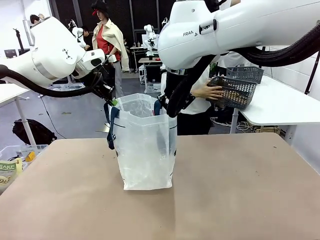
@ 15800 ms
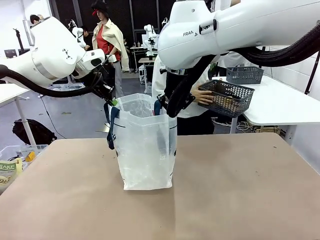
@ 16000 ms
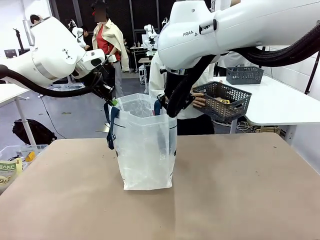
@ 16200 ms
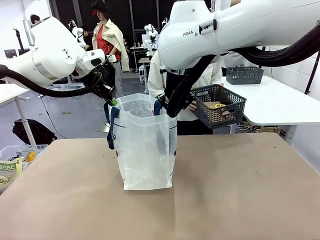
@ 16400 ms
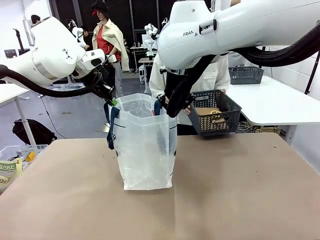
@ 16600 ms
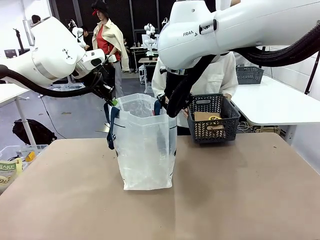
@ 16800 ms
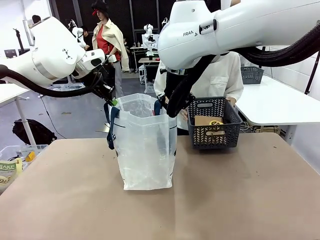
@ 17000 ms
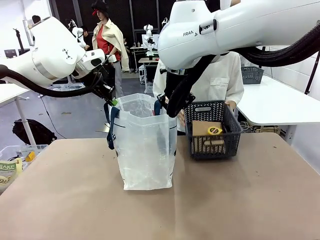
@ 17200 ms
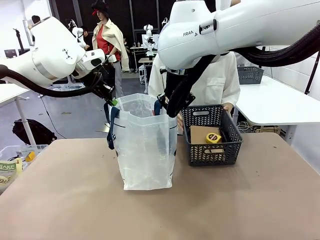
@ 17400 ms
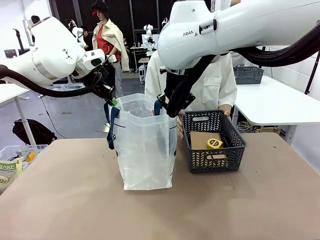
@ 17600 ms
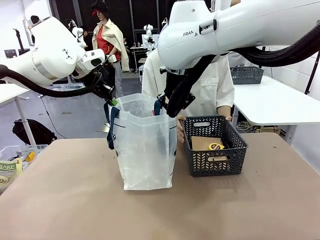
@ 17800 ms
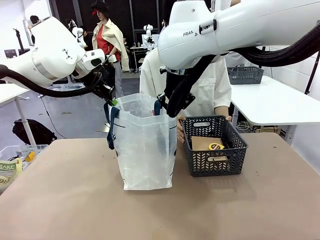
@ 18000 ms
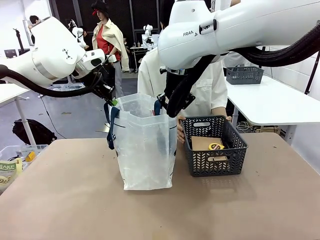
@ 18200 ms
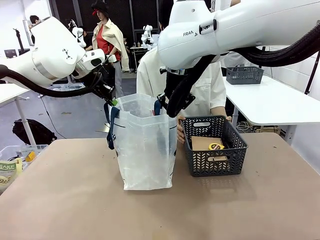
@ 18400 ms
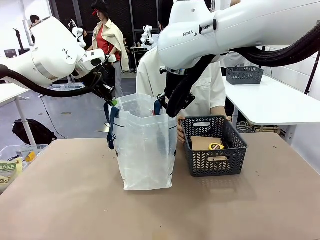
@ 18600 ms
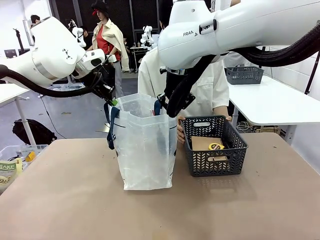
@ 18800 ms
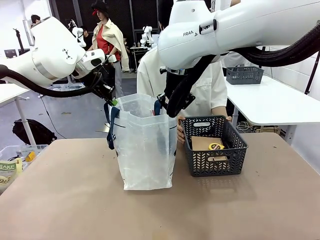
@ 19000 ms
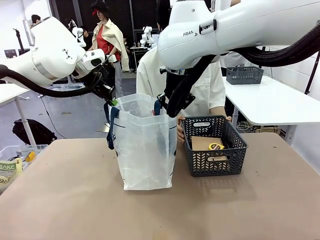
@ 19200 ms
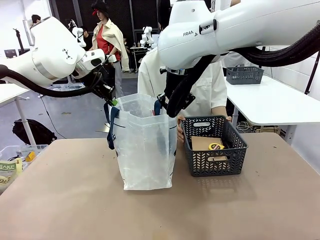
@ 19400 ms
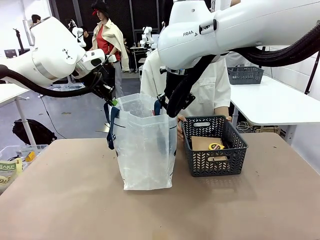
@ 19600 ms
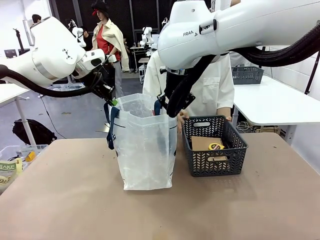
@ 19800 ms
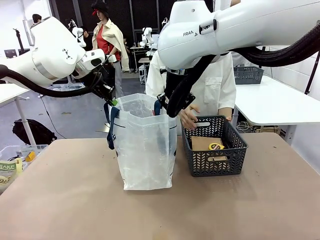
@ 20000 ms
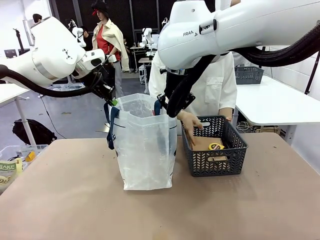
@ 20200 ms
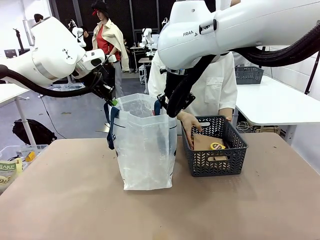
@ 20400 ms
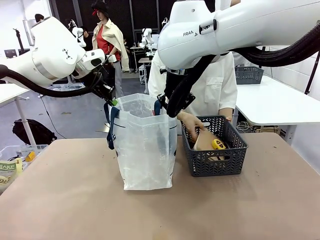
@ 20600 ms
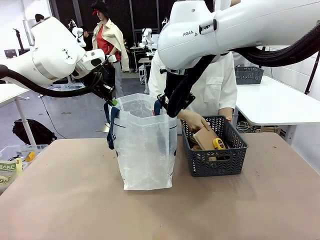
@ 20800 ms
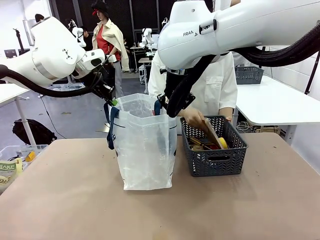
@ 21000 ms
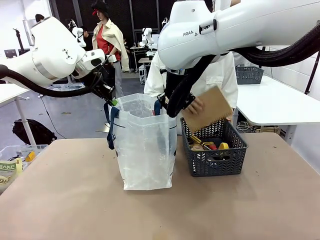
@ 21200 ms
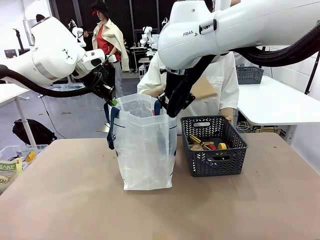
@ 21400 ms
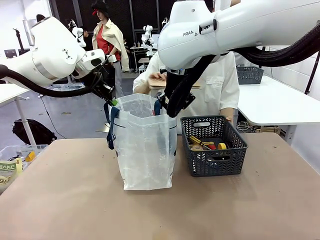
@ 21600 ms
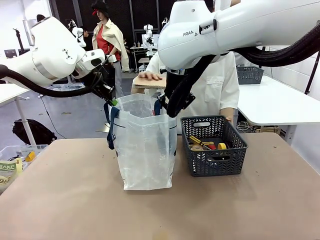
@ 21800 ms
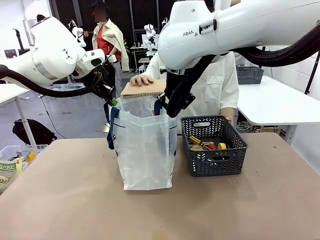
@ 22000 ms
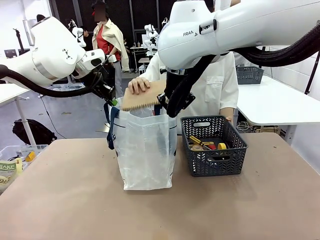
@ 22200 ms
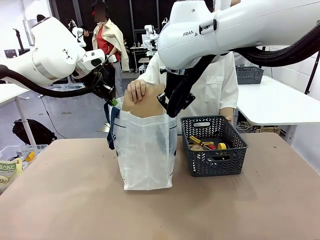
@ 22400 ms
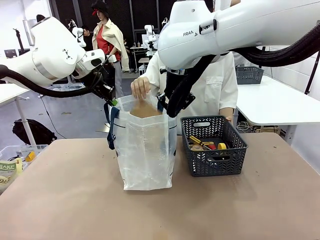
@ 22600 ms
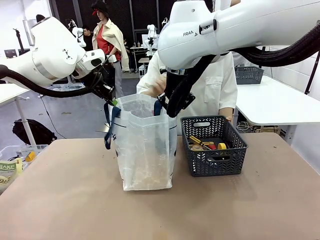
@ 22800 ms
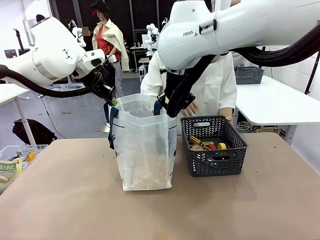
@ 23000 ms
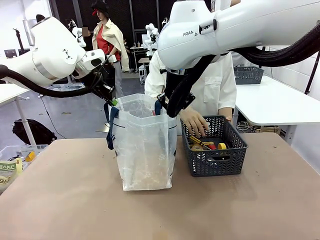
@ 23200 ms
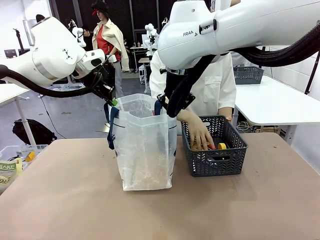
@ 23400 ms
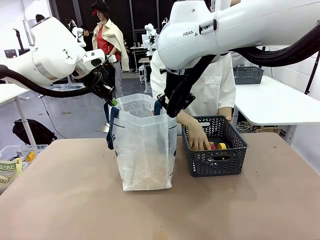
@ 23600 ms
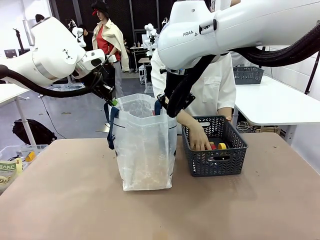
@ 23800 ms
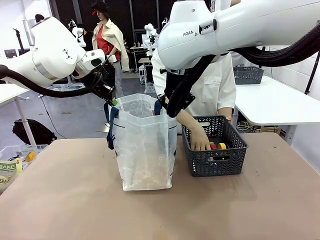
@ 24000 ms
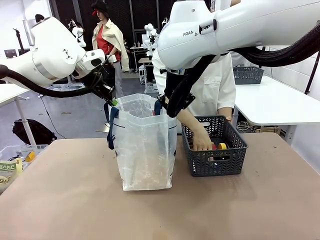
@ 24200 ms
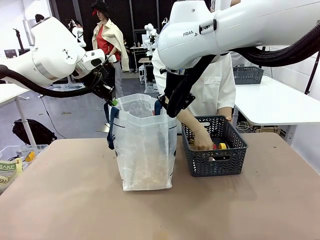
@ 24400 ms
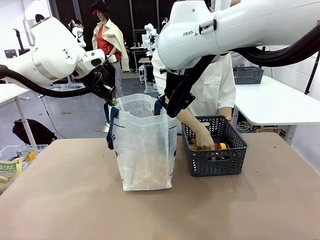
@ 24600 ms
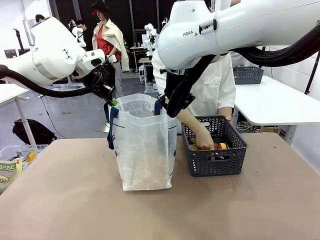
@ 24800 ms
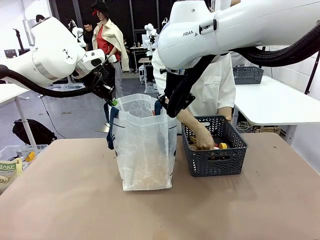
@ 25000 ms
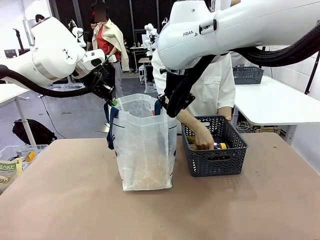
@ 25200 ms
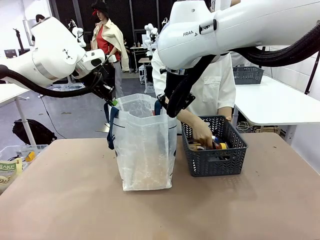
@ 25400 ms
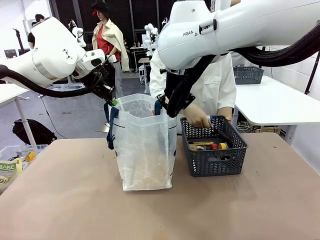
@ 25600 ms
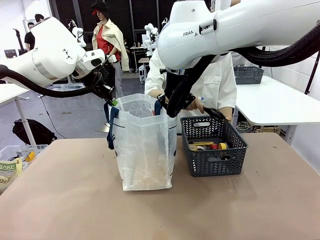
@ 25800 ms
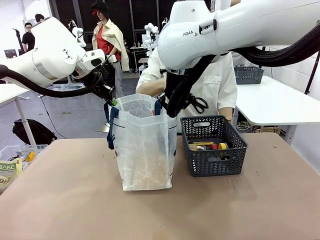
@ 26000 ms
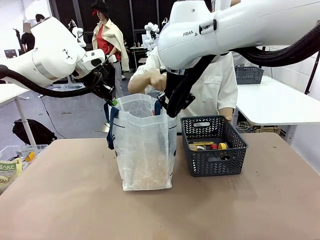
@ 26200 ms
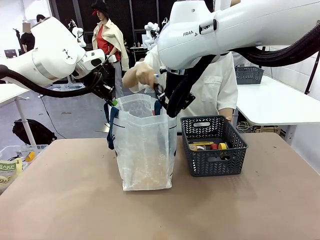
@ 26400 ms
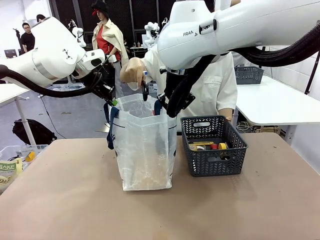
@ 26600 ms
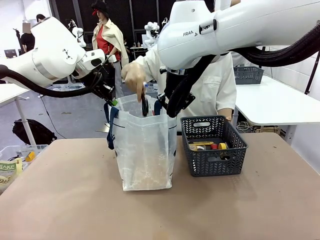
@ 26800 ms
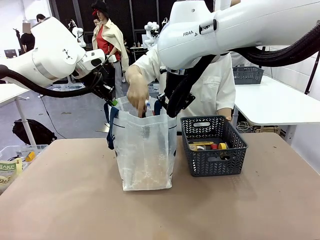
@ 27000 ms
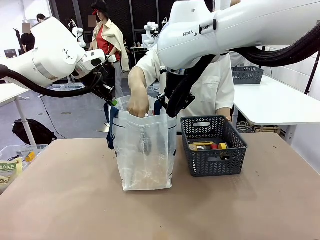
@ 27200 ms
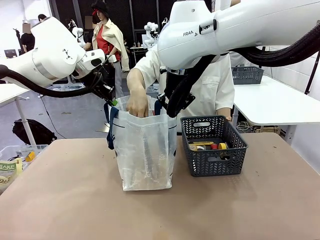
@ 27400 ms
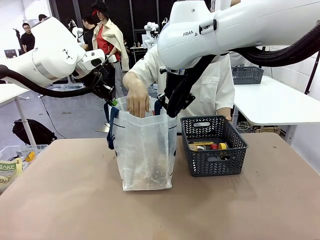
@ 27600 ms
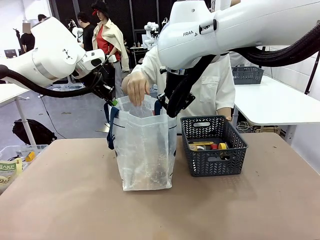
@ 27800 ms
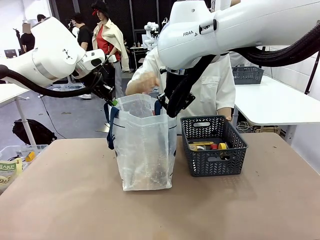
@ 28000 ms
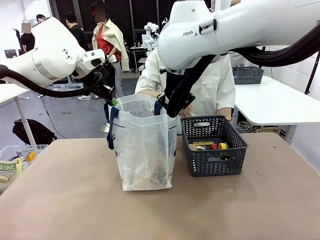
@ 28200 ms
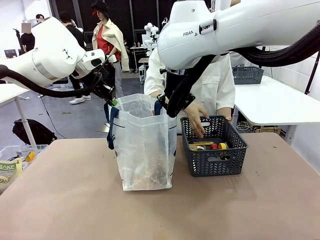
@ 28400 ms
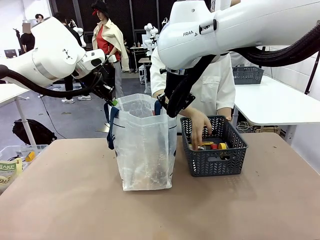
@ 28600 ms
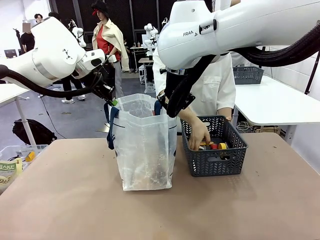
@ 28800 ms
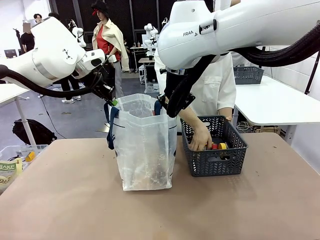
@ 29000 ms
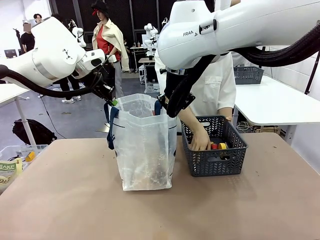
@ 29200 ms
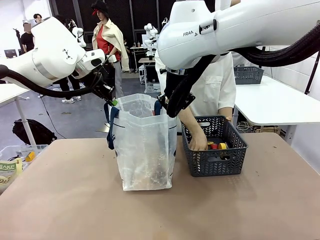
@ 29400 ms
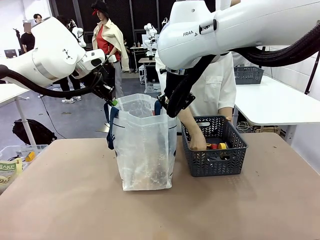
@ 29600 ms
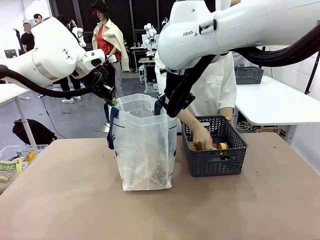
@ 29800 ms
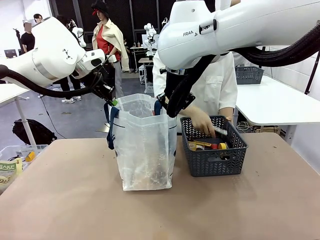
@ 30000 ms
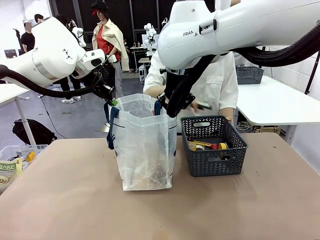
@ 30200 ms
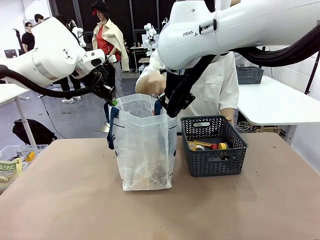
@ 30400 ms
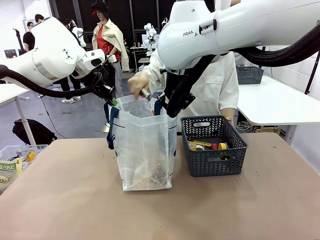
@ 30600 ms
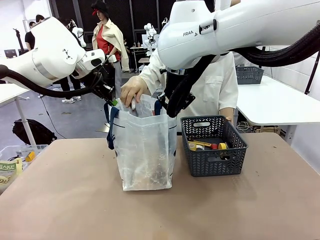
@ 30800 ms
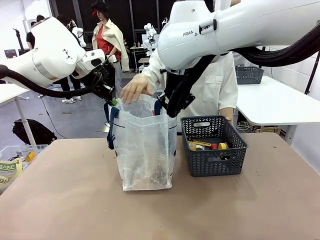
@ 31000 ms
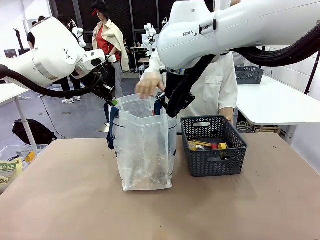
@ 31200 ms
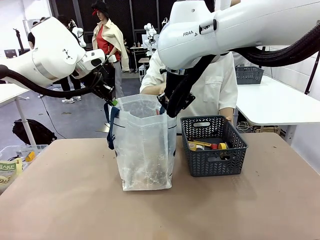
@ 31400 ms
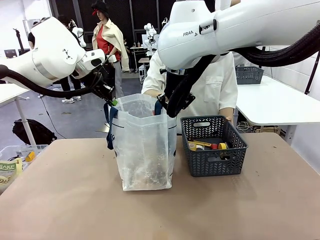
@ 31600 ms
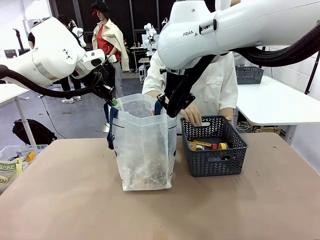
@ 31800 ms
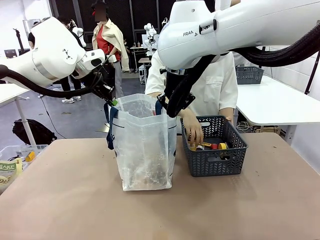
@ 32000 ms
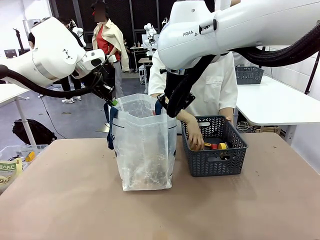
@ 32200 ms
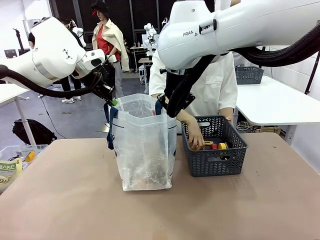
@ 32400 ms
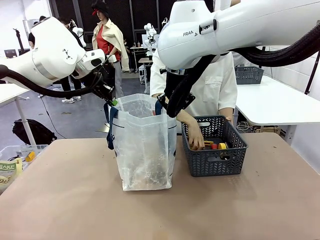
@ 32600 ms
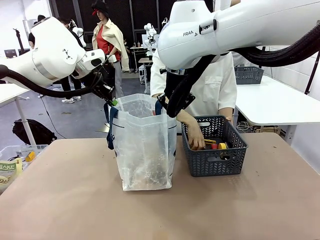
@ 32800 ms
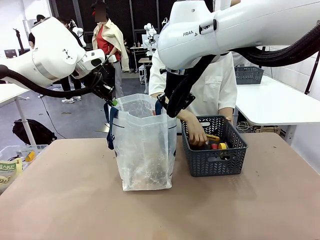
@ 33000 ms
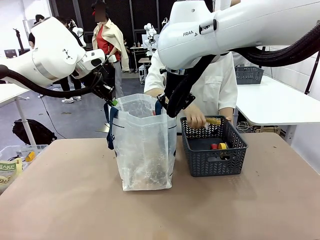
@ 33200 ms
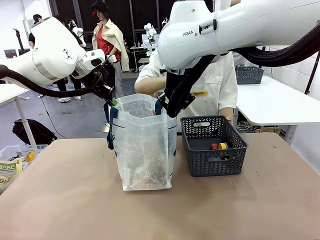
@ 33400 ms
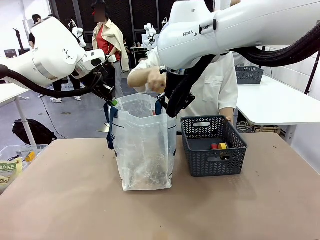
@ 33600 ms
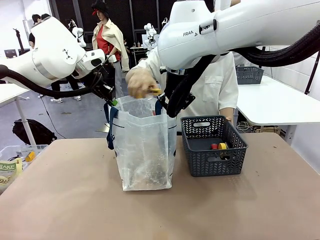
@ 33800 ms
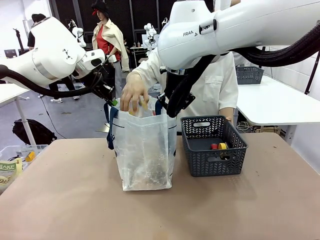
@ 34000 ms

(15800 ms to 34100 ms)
Task: Transfer purchased items from the store into the shopping bag.
Robot: Move the Reusable shopping bag to the right side of the table.
Person: Pick up the basket with the items out and place it on the right side of the human table.
